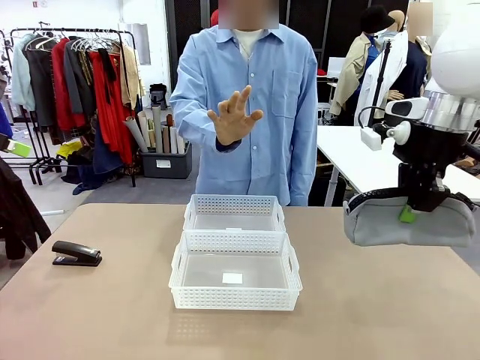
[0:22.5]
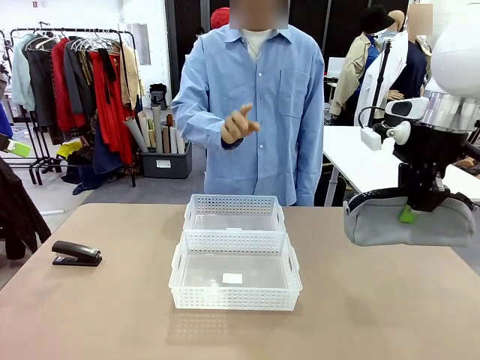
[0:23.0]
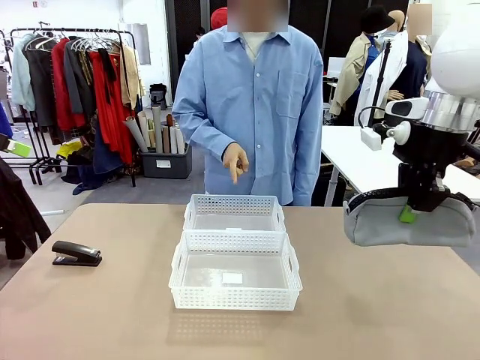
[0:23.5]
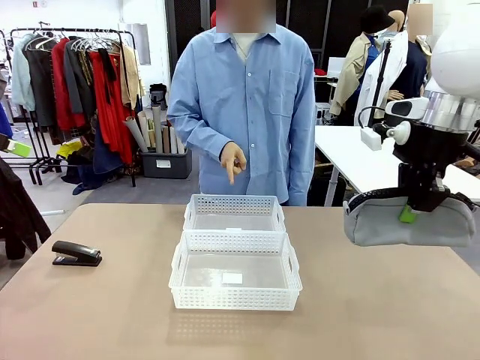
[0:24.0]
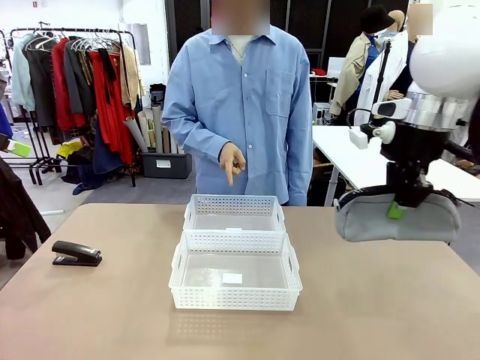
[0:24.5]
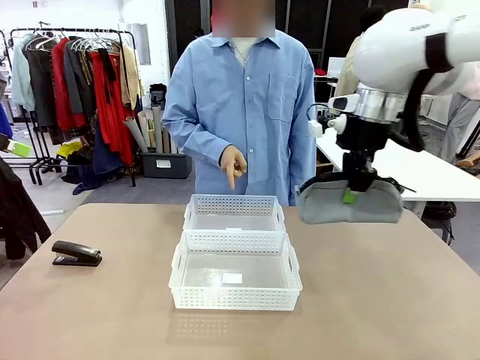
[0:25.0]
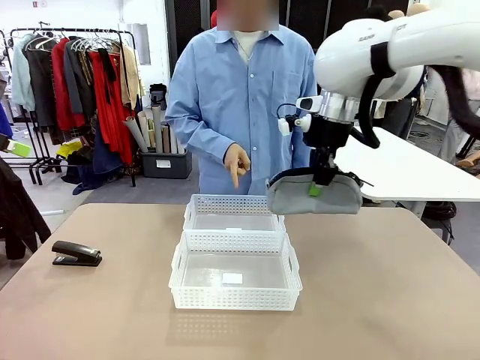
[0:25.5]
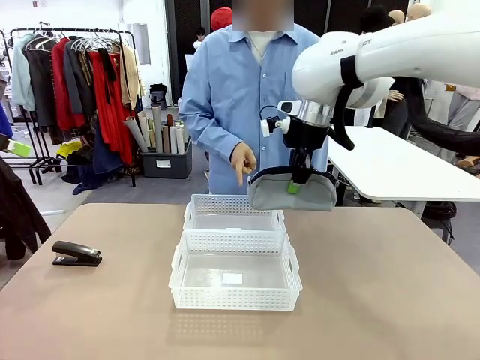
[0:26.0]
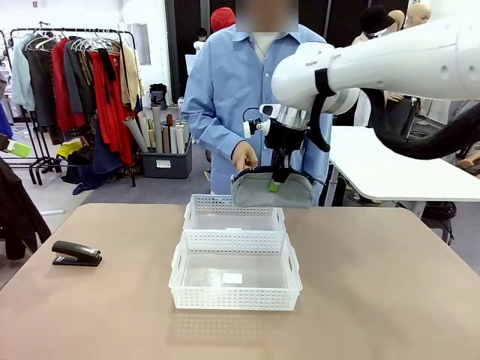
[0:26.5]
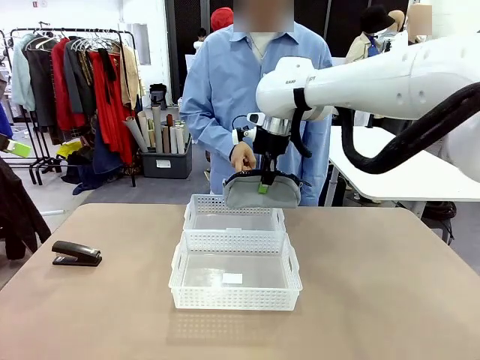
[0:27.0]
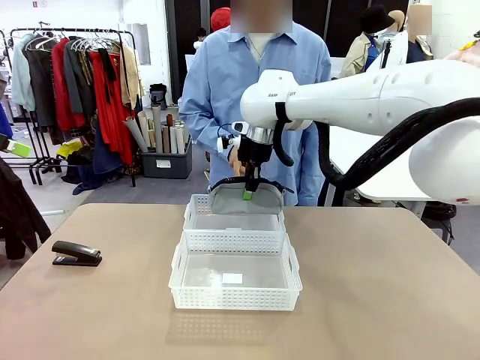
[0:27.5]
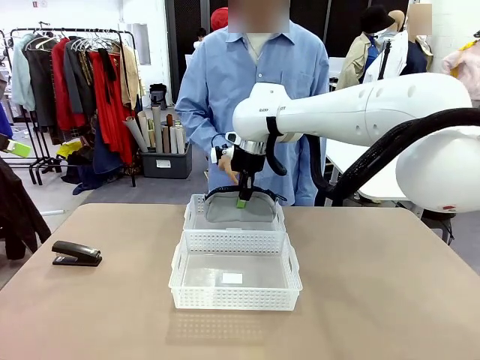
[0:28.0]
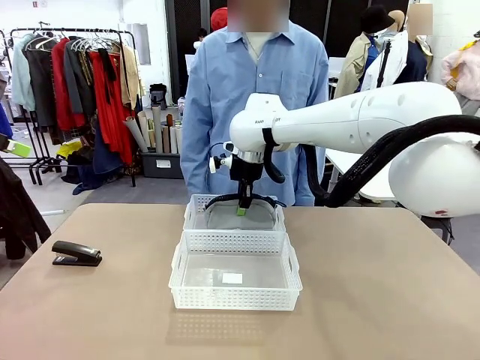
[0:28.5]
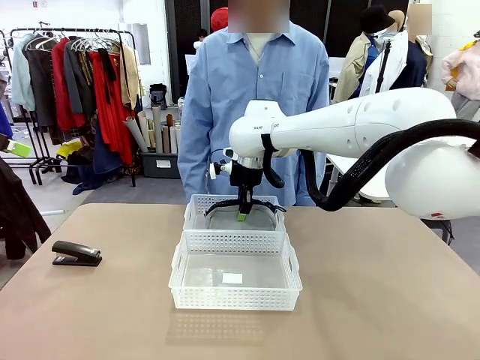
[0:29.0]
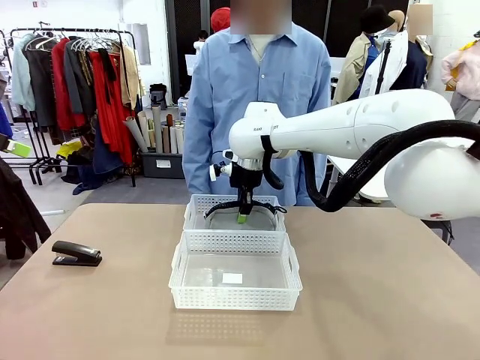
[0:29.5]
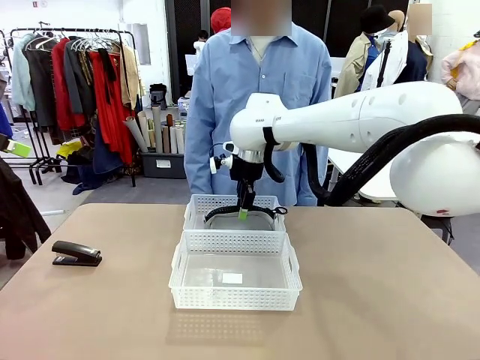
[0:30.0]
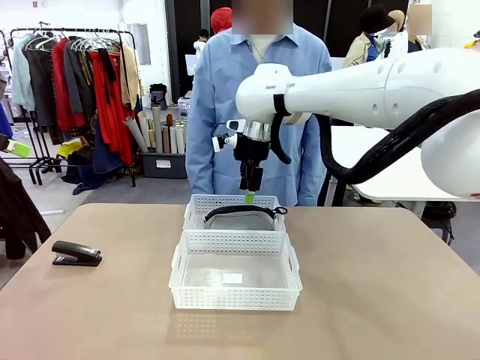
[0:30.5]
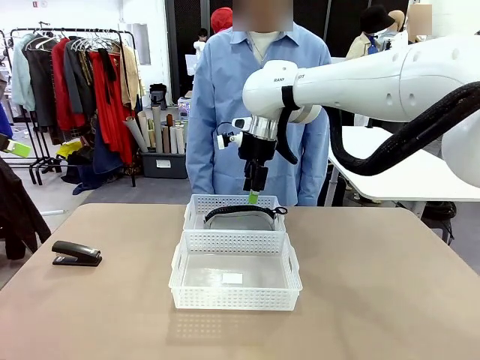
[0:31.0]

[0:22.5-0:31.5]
Task: Distribute items into two baskets.
Robot: Place the picked Pencil pouch into the Organizing basket as instructed by the person.
Person: Instructs the robot to place the pencil case into the opposite basket. Points to the stapler.

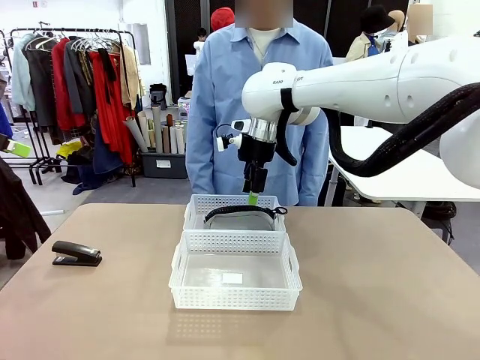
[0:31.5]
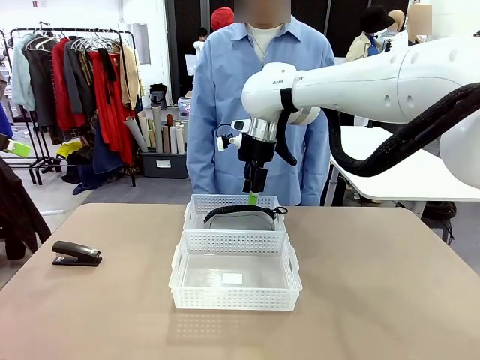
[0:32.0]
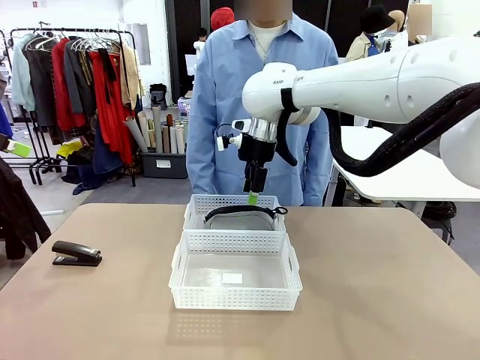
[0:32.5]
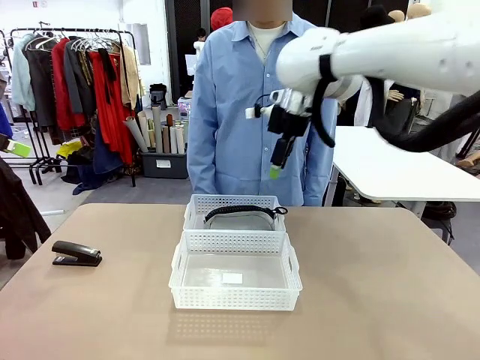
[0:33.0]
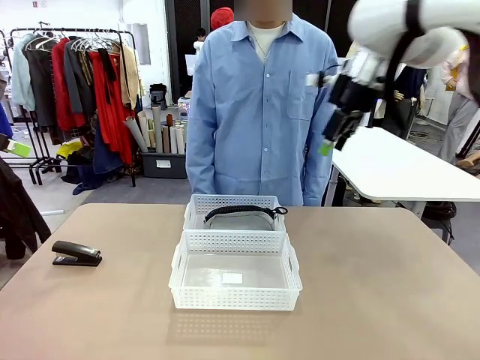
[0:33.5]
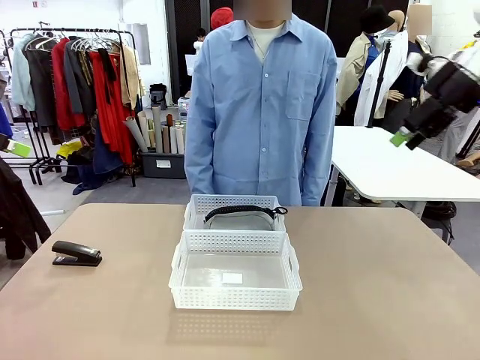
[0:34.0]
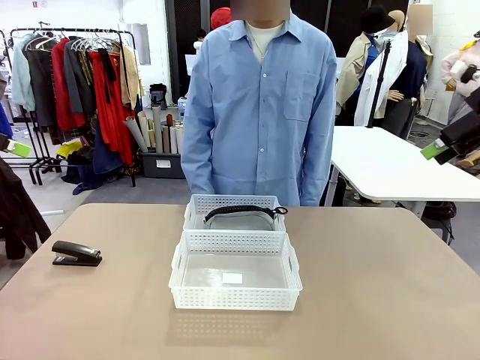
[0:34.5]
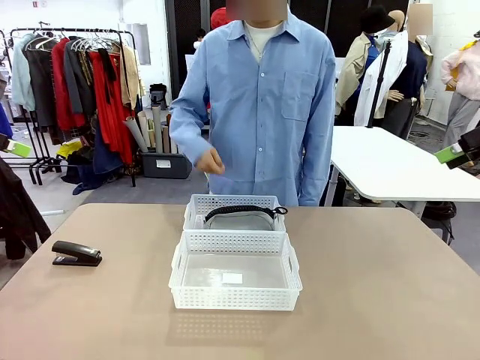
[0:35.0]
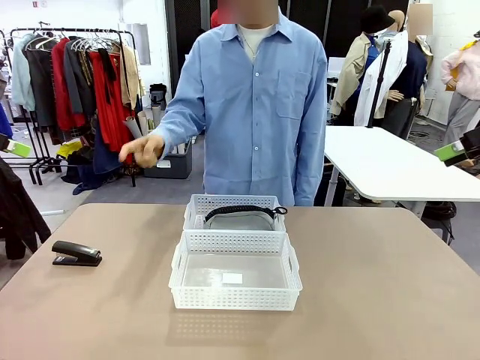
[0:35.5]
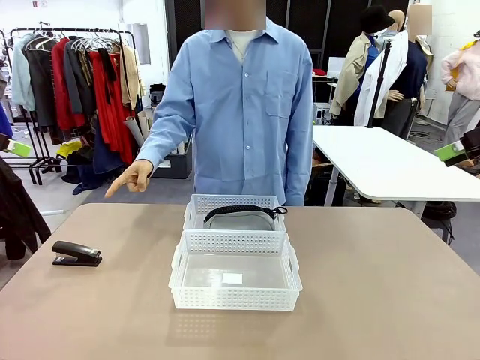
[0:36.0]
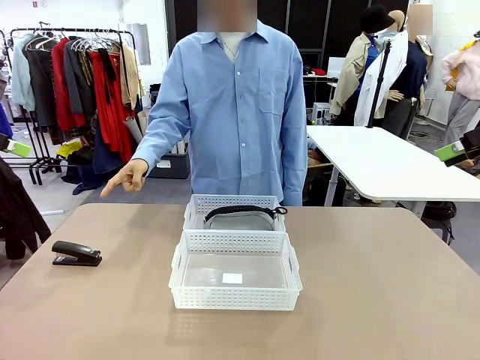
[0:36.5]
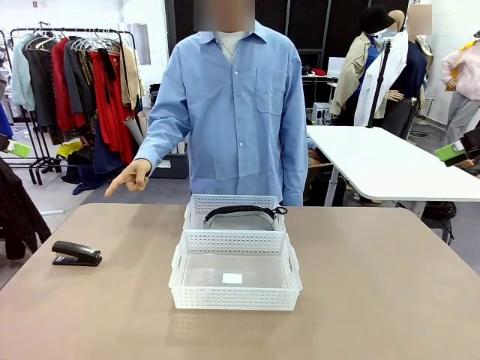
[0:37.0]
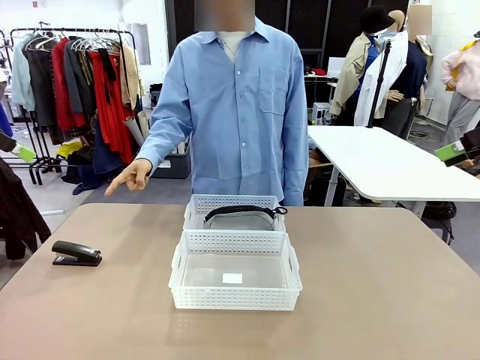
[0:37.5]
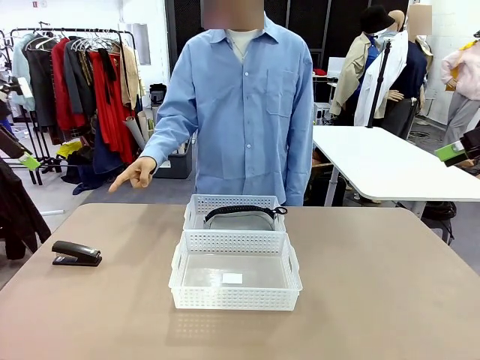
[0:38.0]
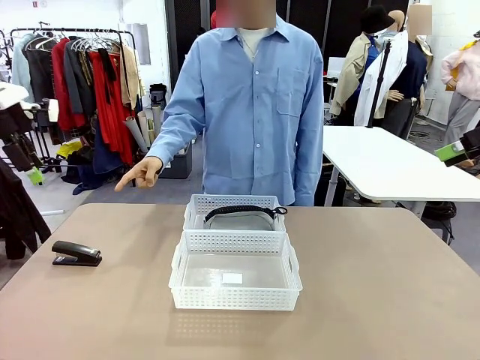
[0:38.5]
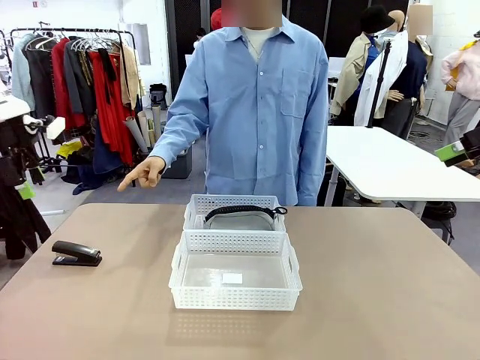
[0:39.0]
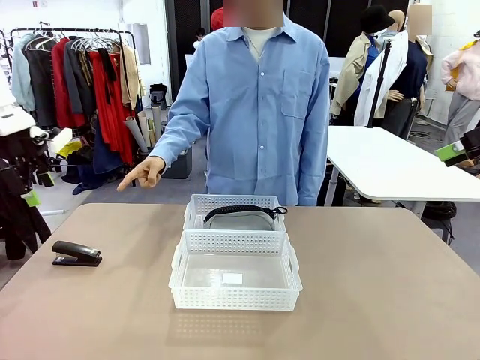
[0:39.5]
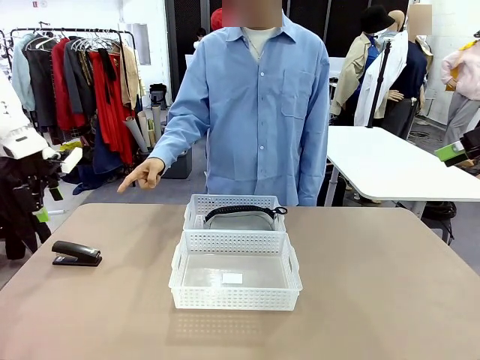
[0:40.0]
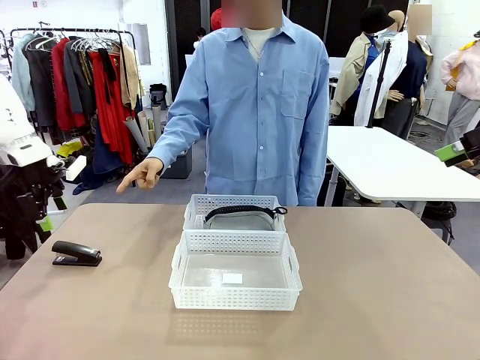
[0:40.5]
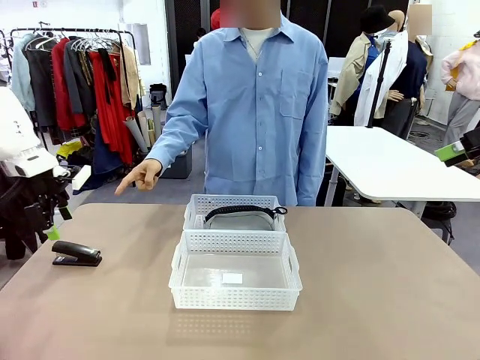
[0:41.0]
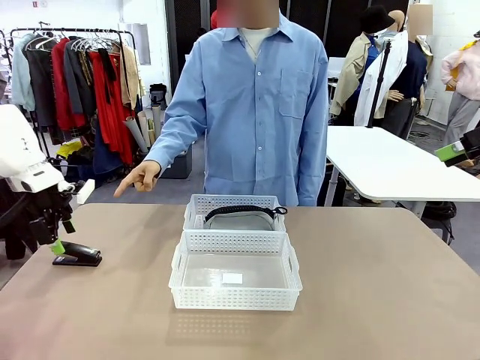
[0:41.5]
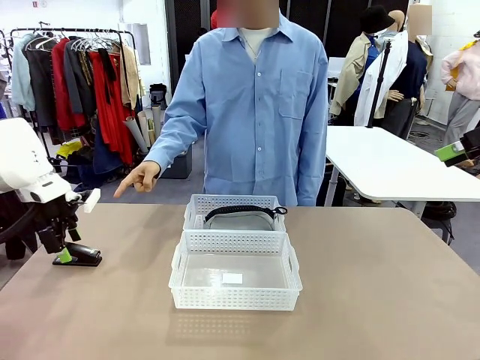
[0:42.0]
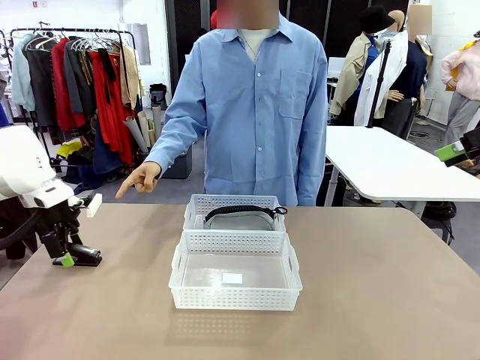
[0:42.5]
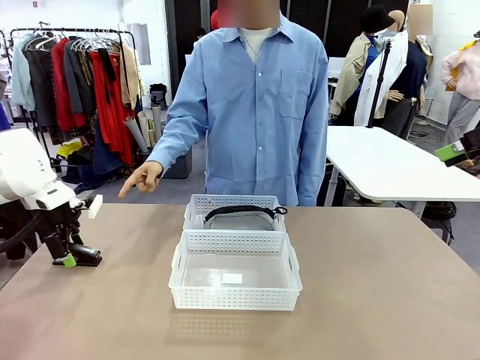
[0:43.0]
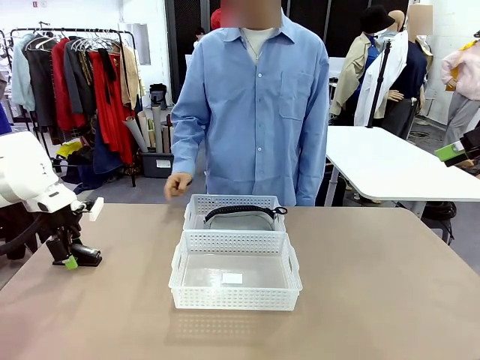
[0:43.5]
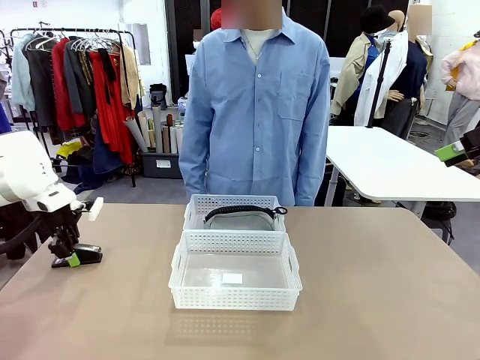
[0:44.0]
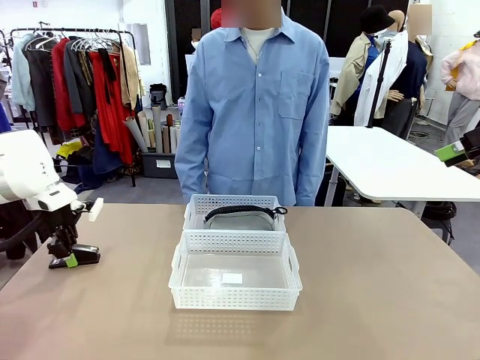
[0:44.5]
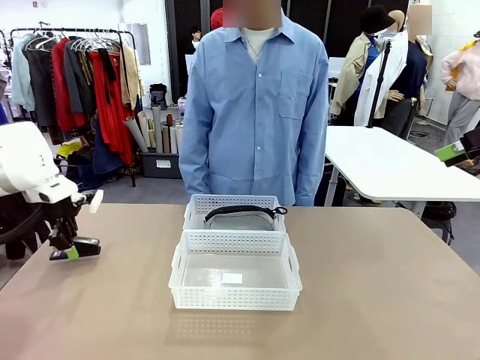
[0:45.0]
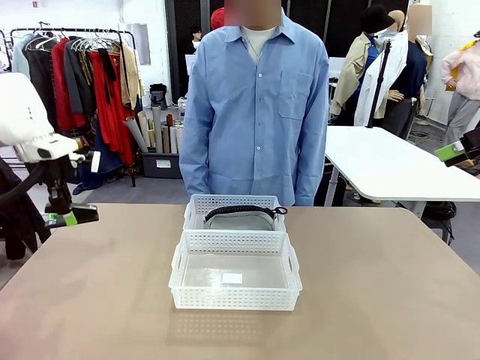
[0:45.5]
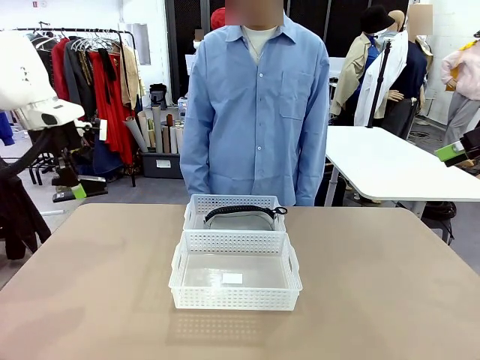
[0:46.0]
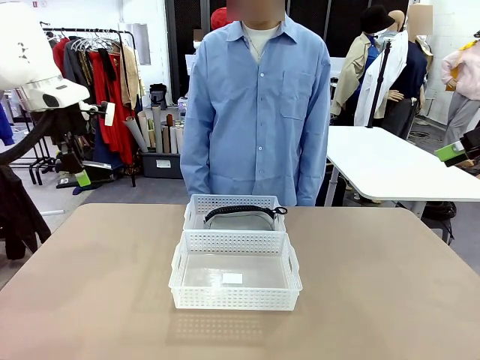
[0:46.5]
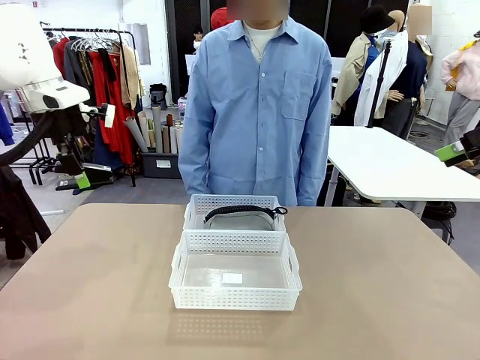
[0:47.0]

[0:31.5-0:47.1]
Robot: Pick up the Stapler that the person points to.
